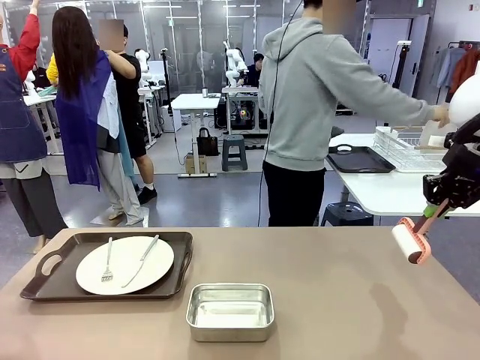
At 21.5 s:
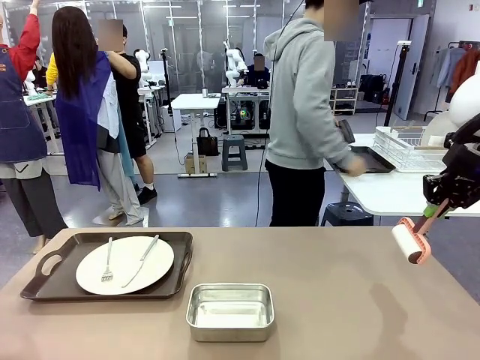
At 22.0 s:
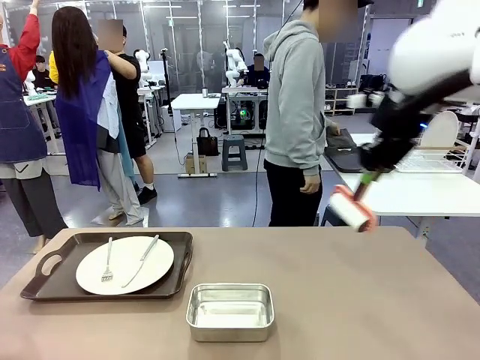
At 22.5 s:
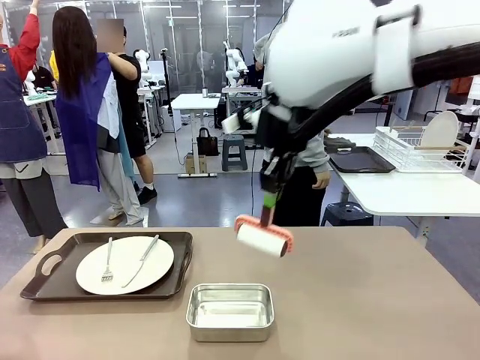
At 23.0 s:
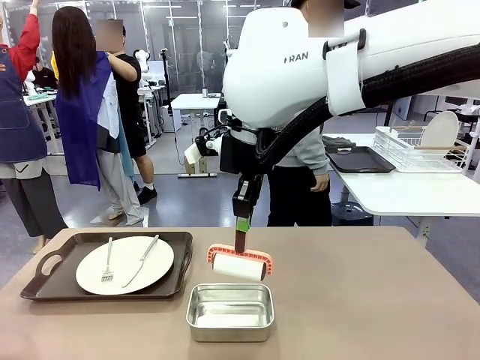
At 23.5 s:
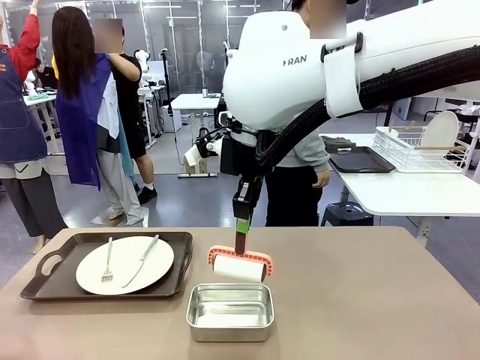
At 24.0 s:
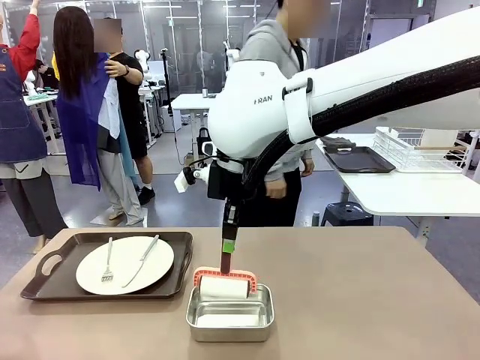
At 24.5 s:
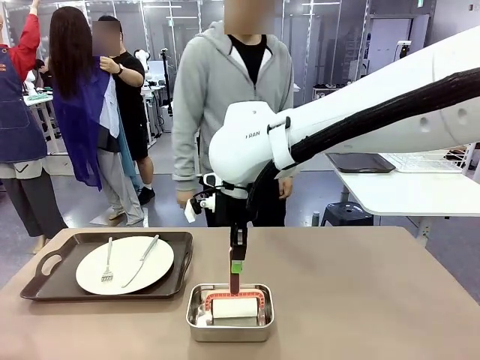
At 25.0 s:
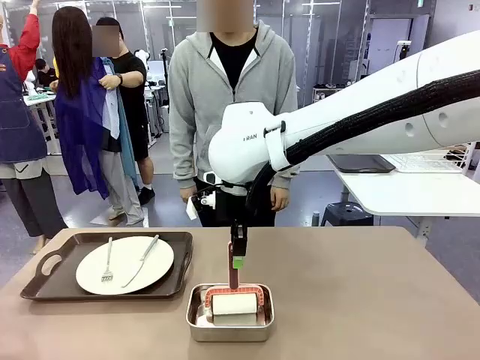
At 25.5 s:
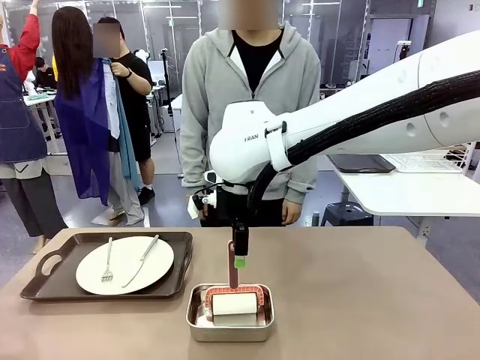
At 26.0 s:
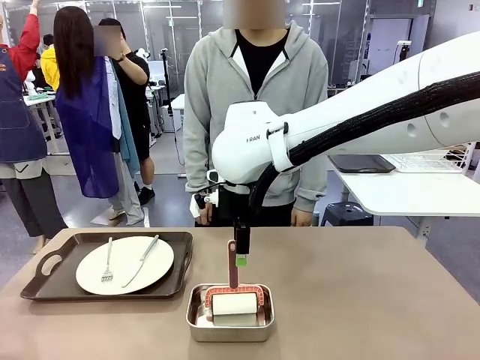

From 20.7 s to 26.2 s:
Robot: Place the Lint Roller back on top of the Airtight Container.

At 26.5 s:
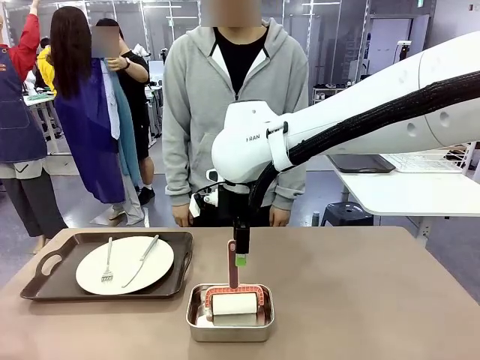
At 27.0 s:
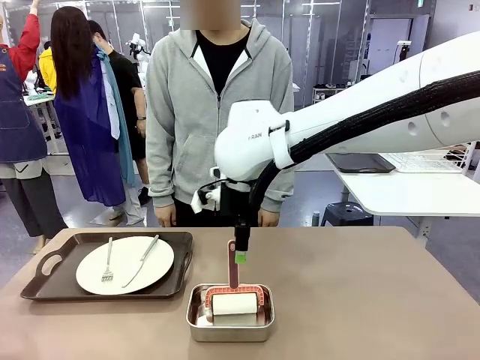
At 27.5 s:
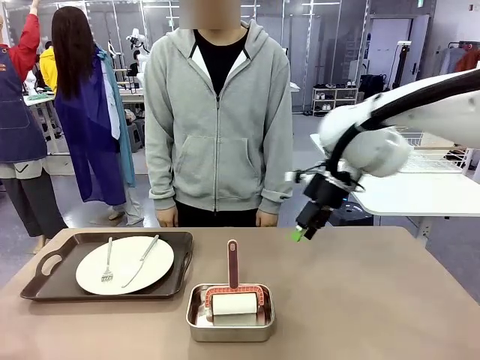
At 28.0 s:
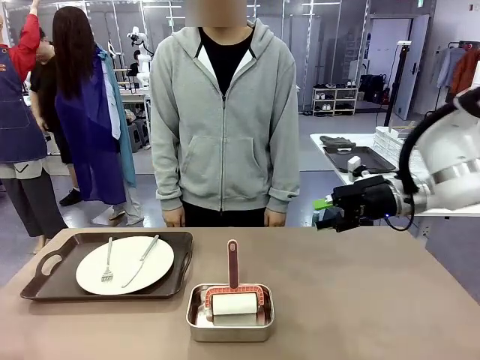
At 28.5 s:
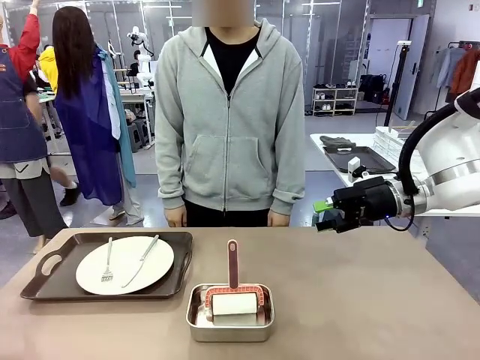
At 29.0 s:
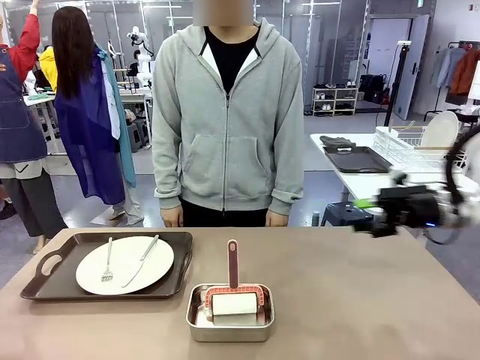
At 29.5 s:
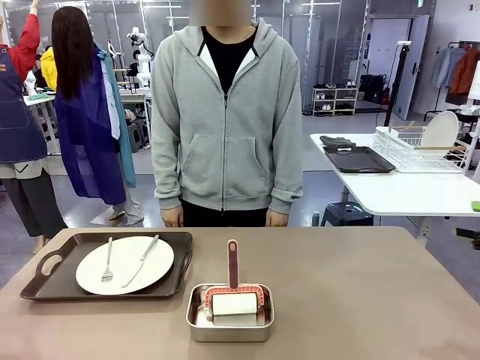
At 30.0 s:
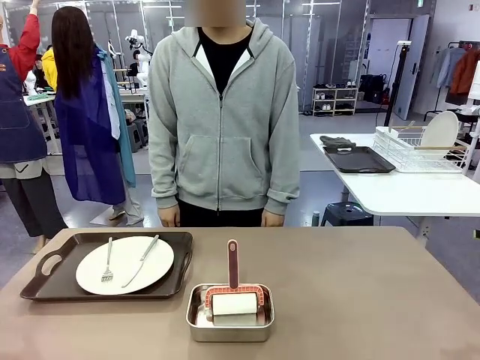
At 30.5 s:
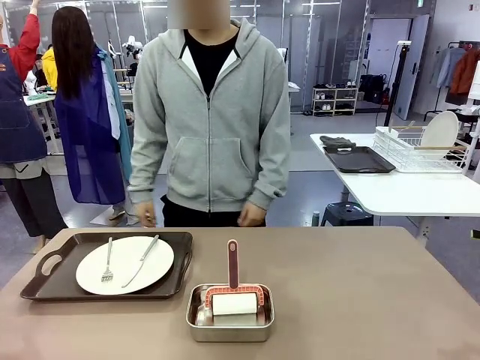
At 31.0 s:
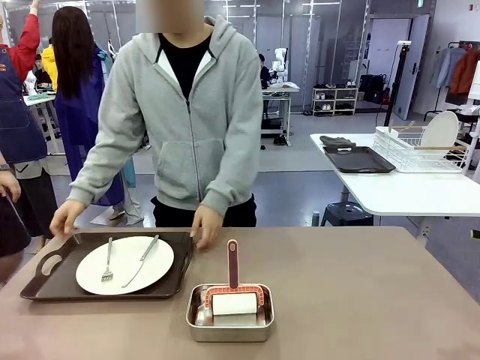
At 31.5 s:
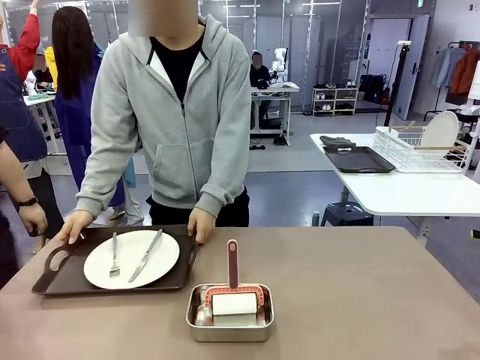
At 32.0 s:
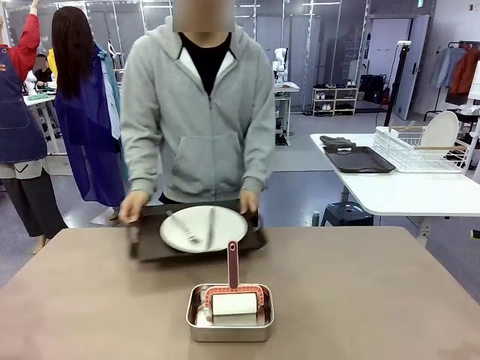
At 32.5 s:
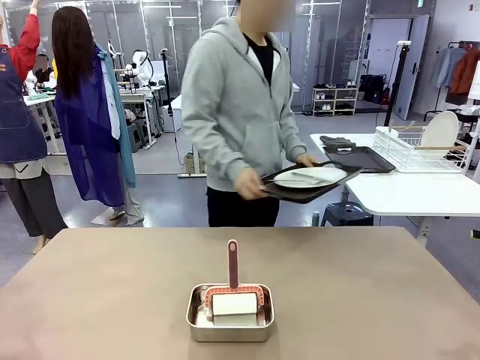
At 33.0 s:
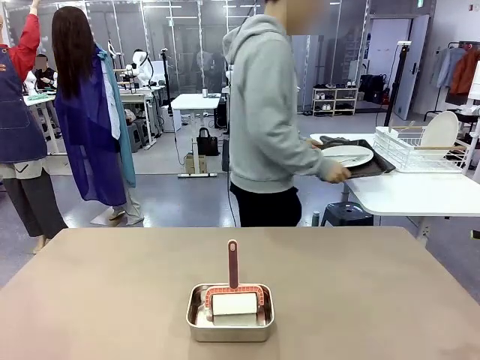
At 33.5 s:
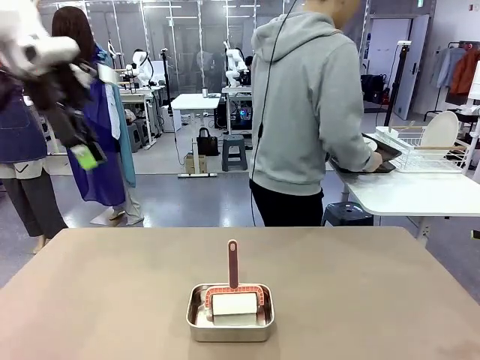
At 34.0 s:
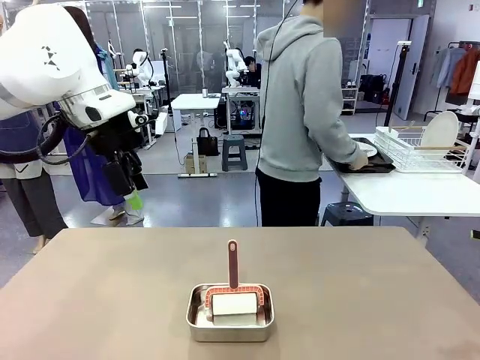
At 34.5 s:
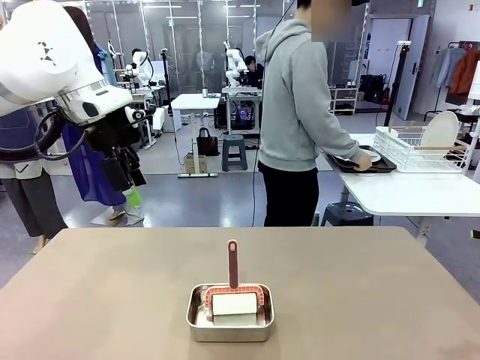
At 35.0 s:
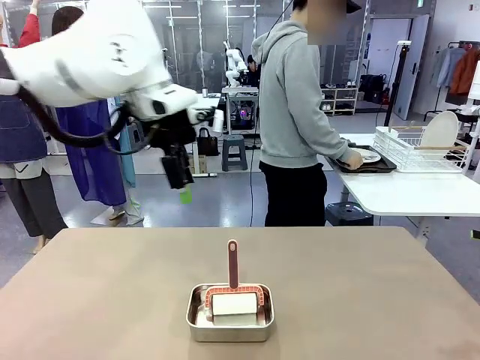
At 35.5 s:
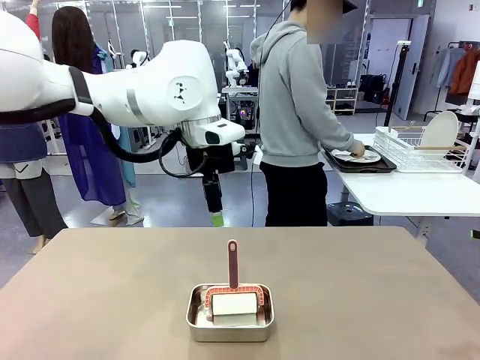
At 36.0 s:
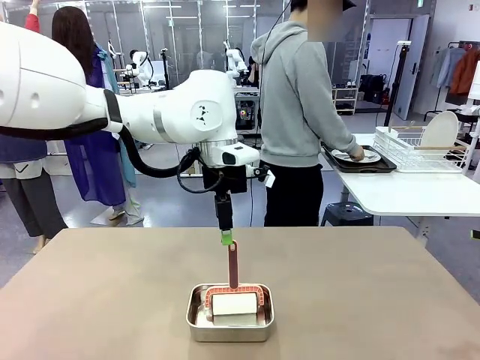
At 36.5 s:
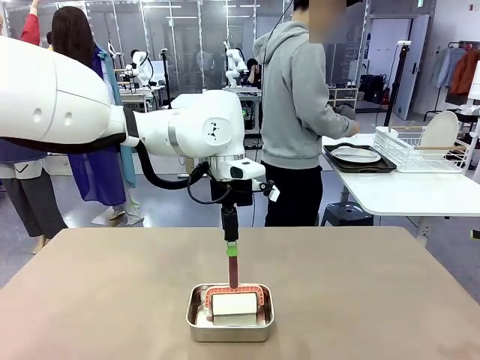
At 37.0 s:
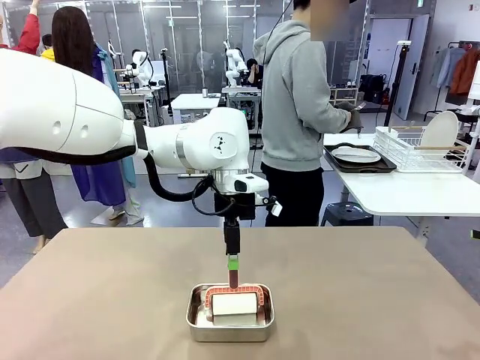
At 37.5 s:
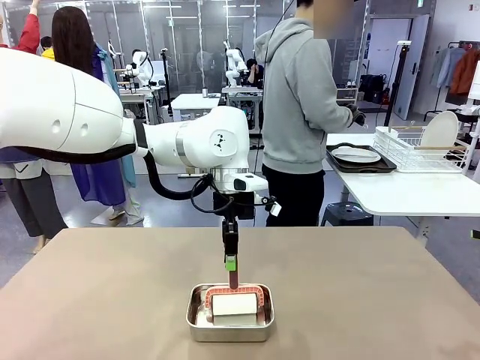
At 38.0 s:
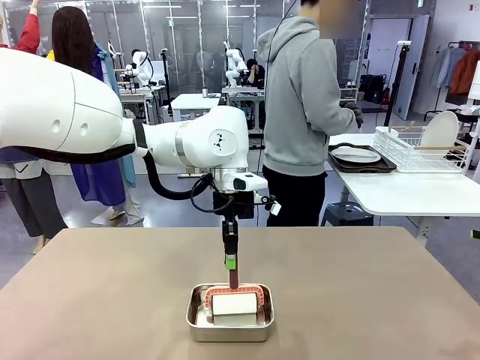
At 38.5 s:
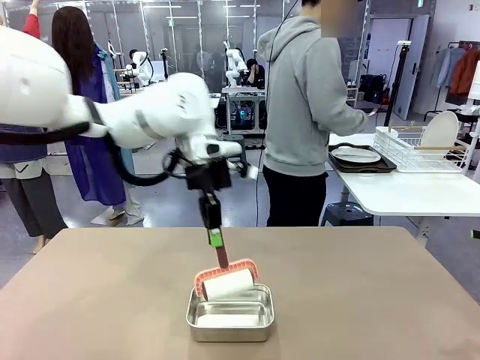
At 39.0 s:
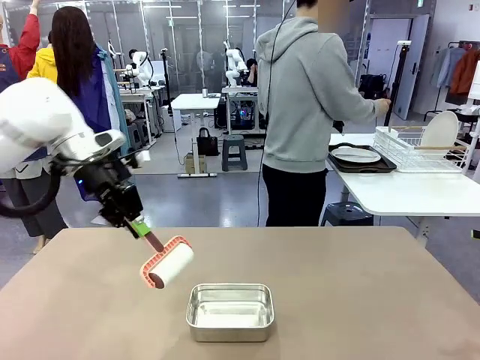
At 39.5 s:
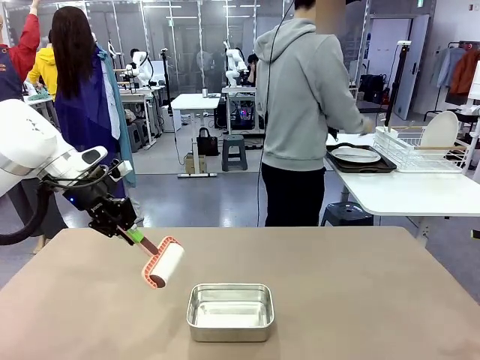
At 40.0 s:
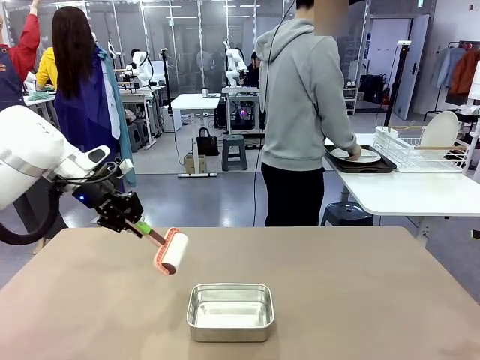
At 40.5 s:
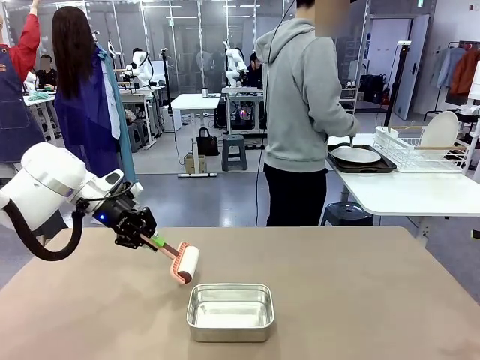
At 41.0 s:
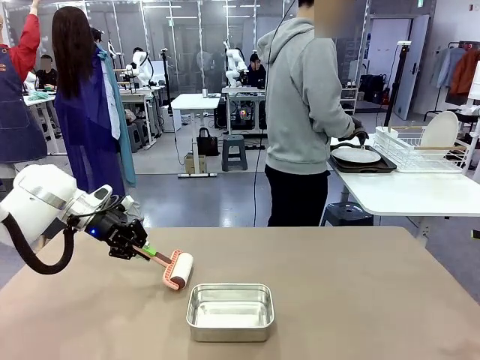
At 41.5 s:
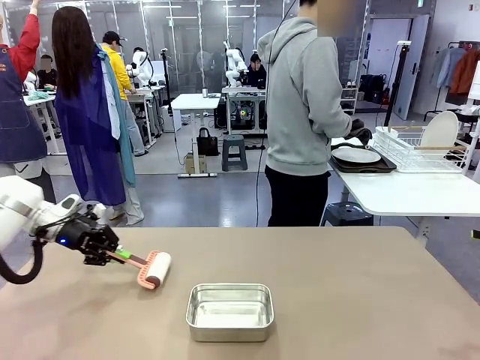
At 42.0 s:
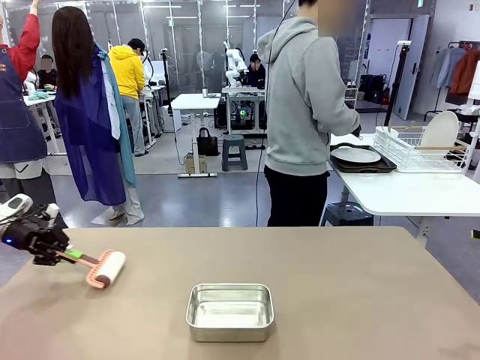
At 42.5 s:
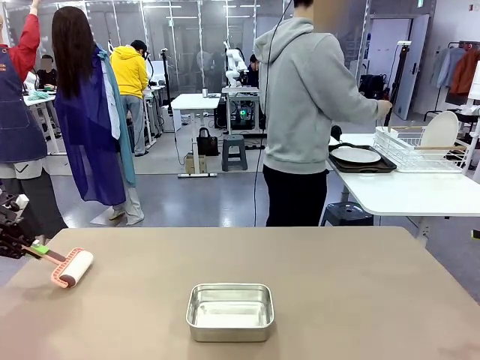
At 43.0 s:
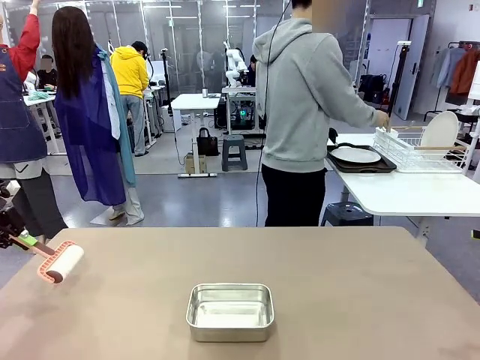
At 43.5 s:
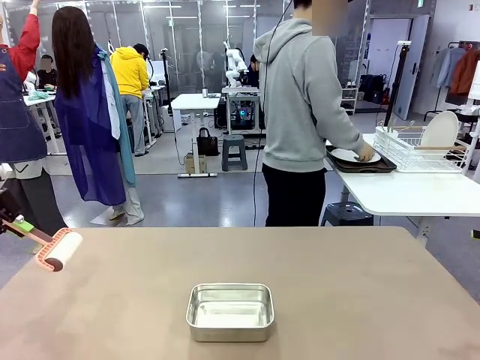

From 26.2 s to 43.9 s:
Robot: When the right (or left) Handle tray is removed, use the right hand (or left hand) to clean the right (or left) side of the table with the Lint Roller.
Person: Pick up the left (or right) Handle tray and place it on the Handle tray. Use the Towel with hook to wipe the Plastic Matte Plate , Fork , and Knife and place into the Dish drying rack.
